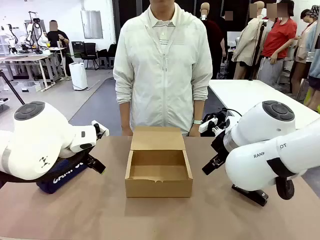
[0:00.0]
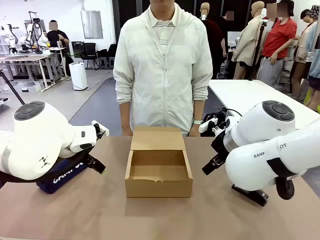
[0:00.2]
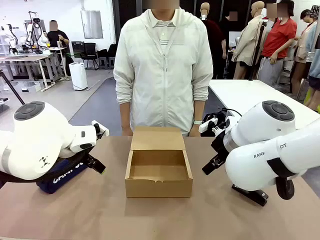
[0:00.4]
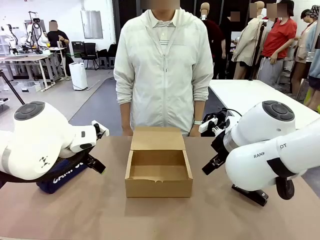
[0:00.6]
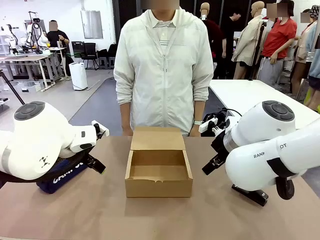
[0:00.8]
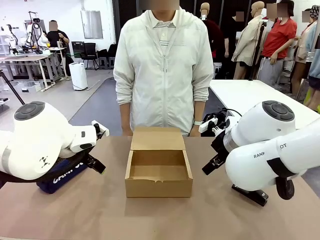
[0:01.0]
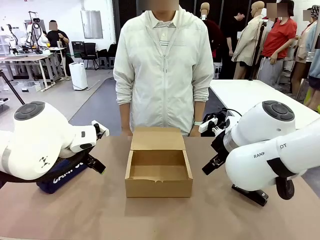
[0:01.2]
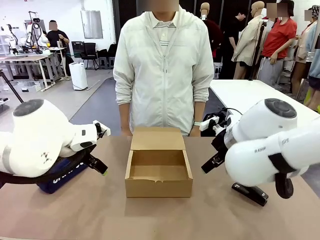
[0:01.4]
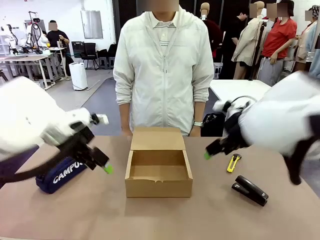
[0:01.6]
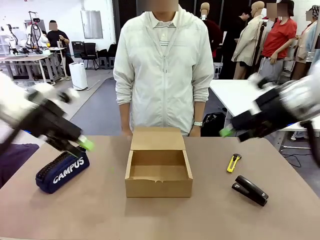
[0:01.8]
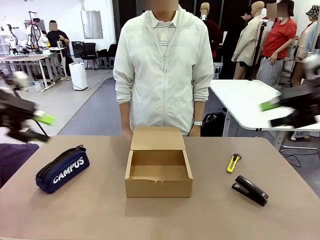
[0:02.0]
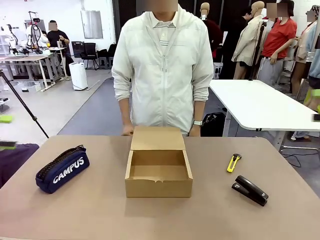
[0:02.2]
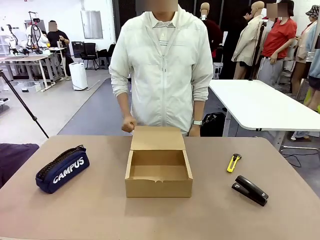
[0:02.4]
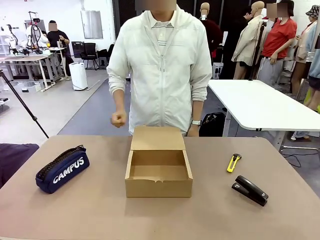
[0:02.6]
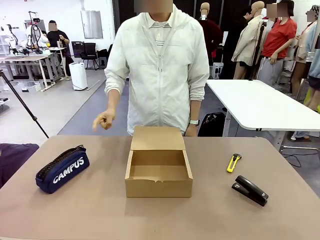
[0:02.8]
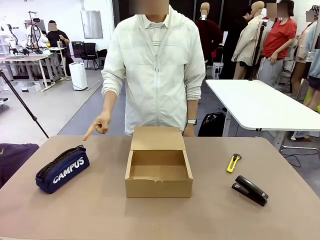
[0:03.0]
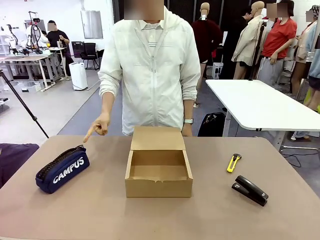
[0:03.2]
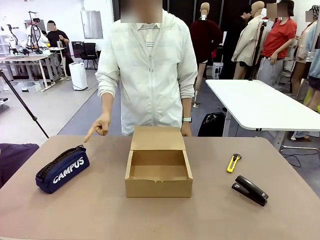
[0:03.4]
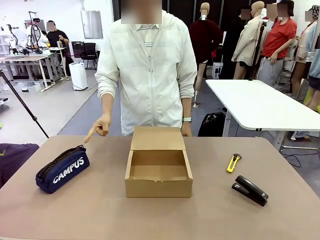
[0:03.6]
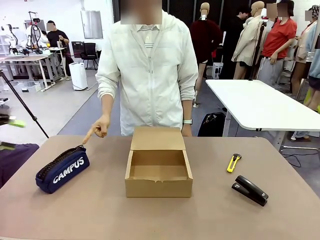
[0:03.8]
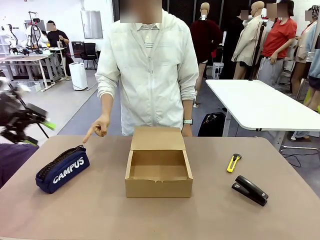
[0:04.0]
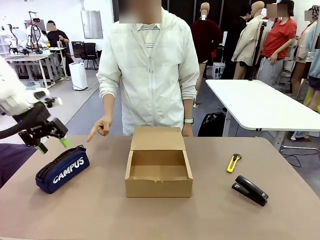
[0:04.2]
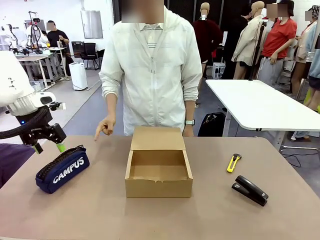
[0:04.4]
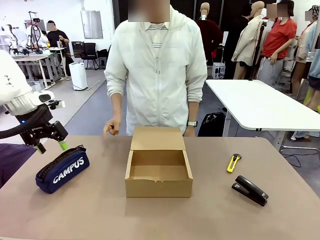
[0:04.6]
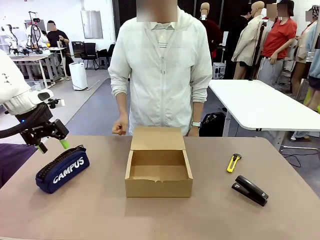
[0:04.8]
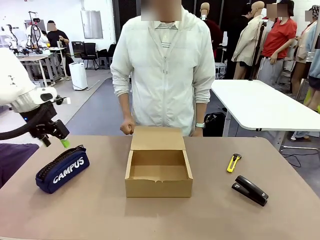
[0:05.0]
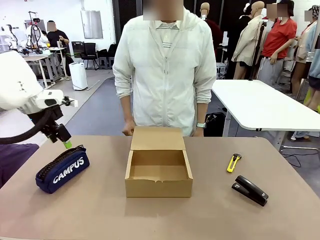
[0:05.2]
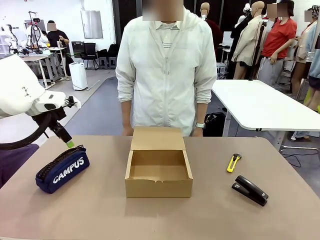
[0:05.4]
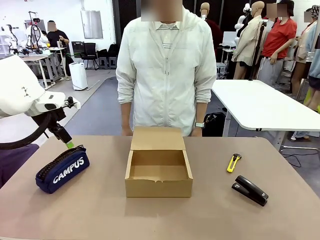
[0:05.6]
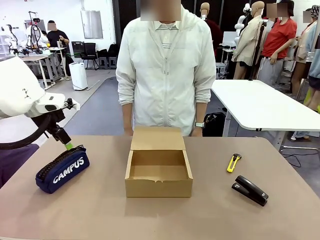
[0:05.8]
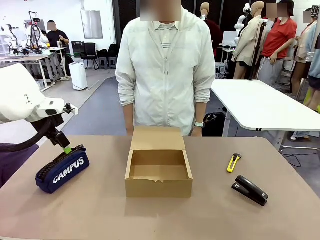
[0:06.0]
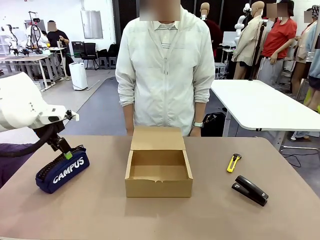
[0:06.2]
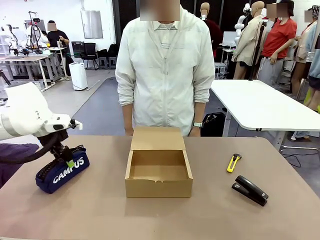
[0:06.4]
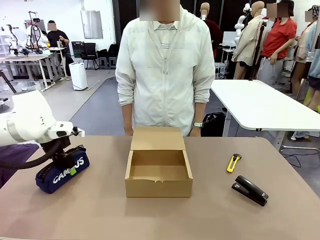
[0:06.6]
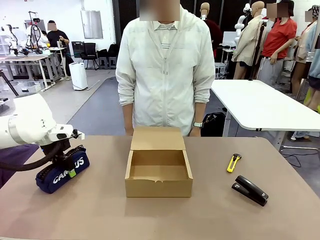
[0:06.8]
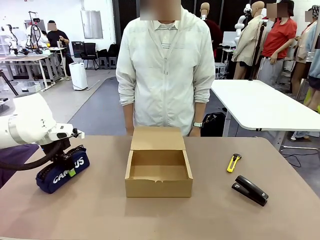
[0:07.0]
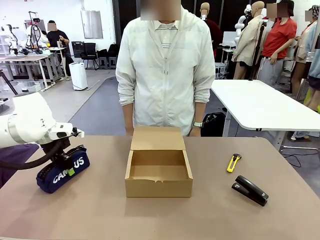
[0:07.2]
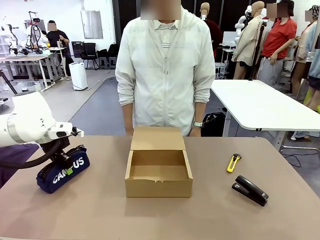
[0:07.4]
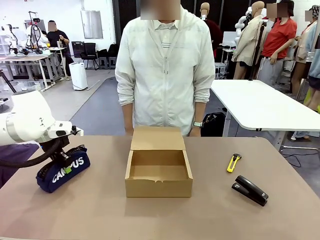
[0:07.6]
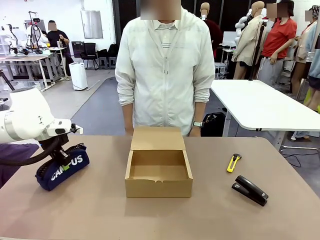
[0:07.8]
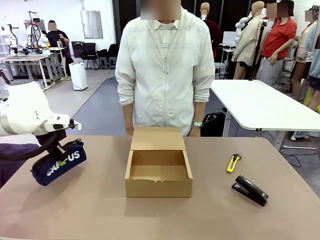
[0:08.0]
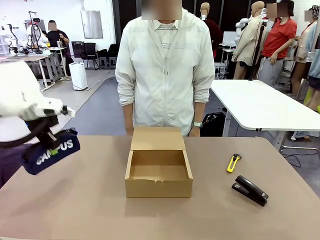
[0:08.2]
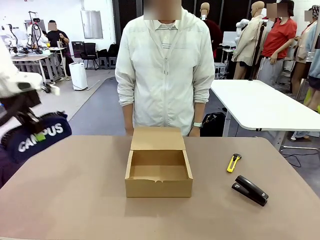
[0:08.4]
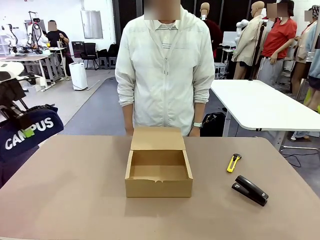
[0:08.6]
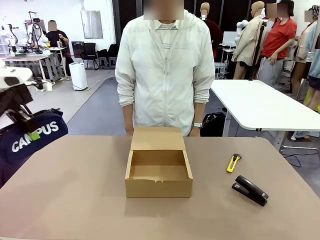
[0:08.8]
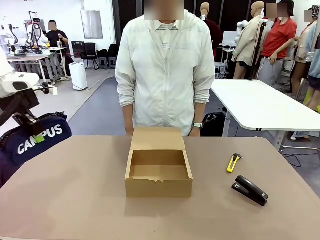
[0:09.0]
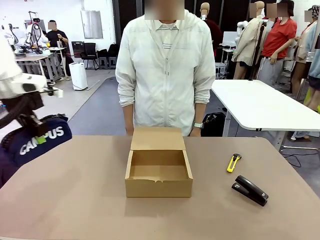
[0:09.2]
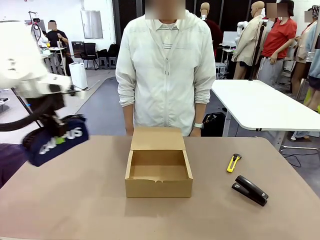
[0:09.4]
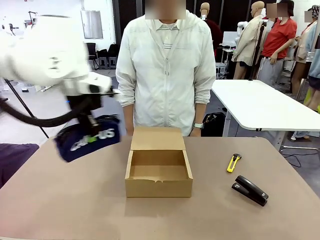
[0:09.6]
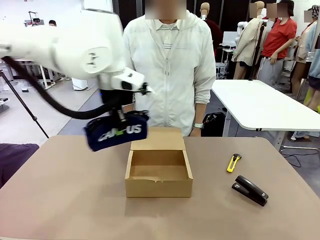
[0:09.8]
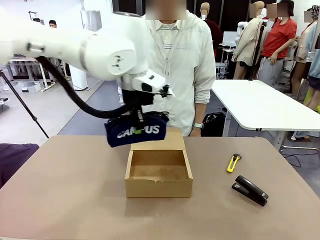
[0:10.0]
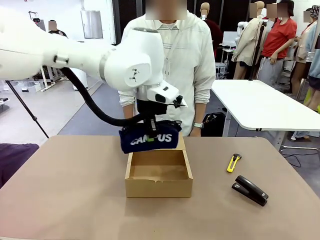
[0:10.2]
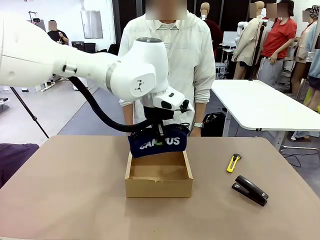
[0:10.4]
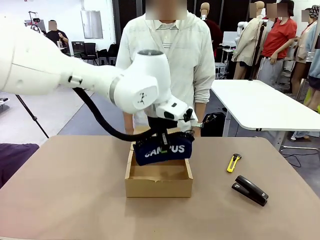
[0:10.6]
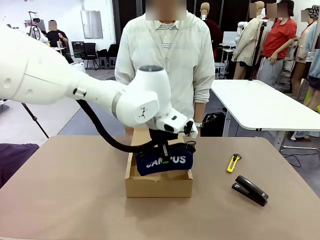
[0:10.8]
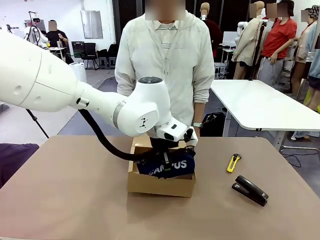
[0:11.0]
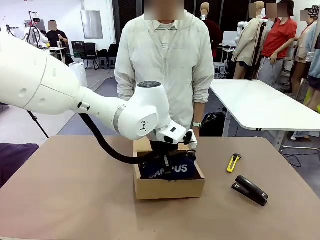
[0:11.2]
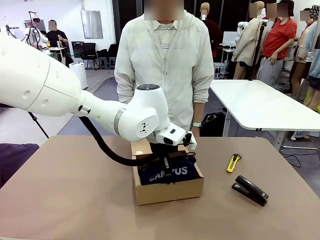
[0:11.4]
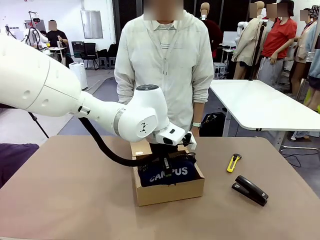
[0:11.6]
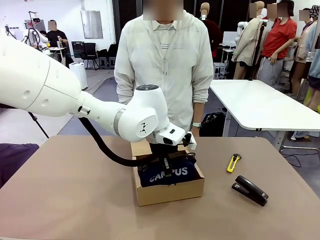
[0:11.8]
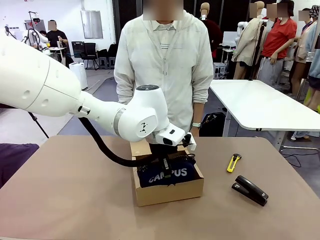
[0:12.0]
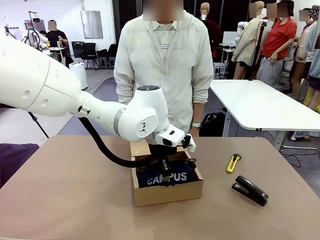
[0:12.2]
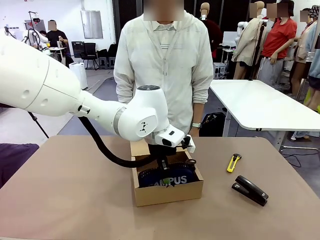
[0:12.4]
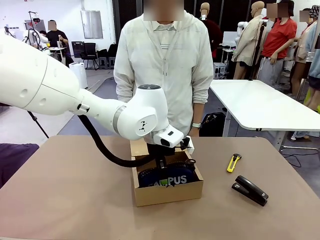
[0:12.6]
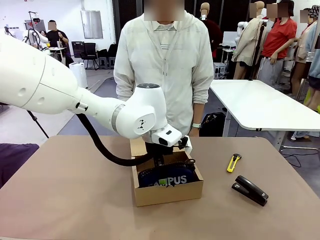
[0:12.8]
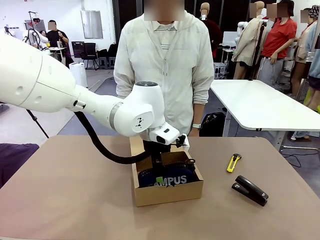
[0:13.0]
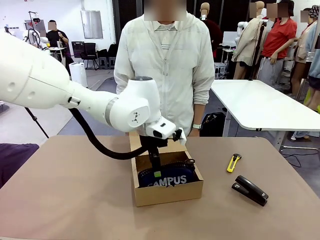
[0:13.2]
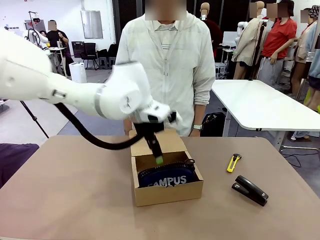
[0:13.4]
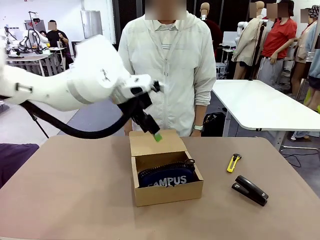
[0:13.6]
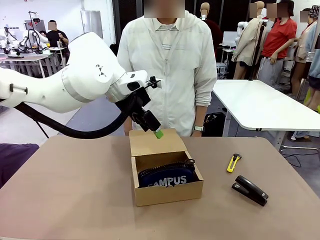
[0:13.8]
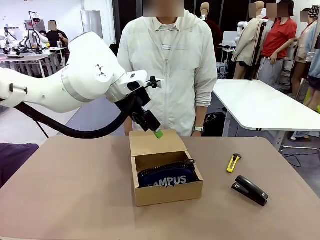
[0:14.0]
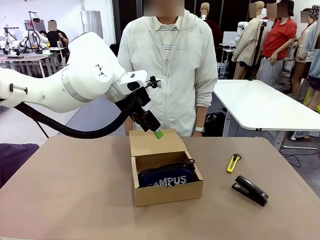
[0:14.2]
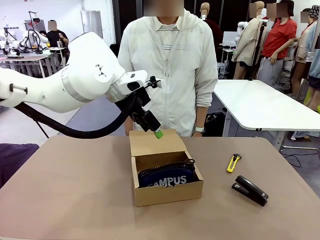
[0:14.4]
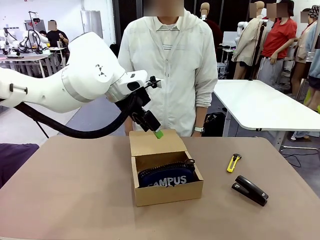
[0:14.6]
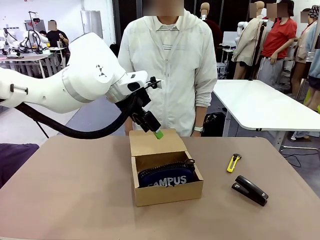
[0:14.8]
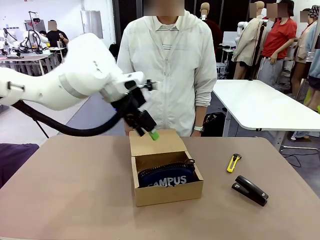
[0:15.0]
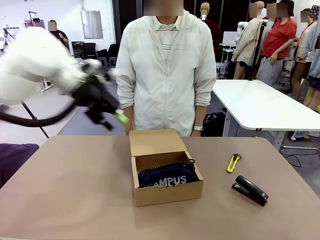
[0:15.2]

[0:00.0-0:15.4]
Task: Pack the items into the box.
Robot: Pick up the item specified by the human and place it in the Mailer Box.
Person: Point at one item on the table (excluding the box).
